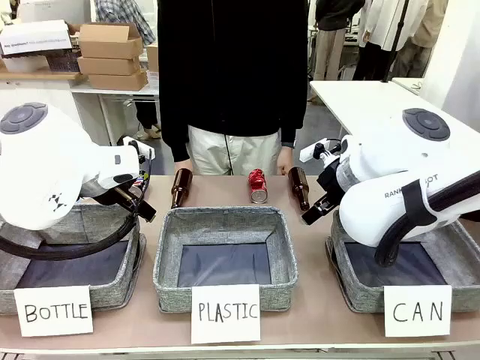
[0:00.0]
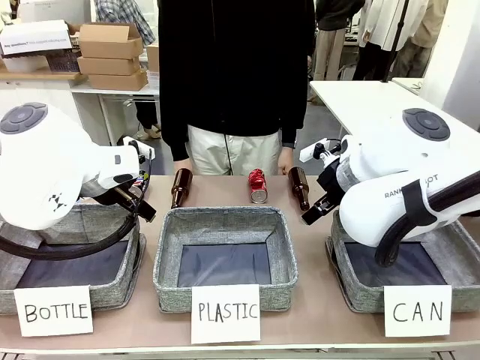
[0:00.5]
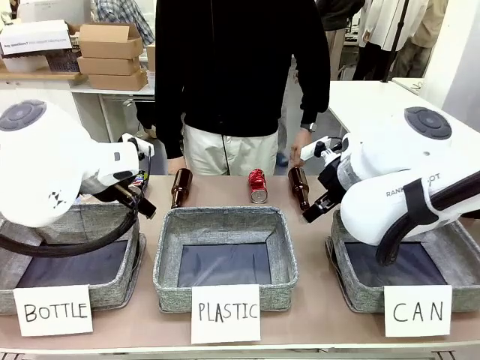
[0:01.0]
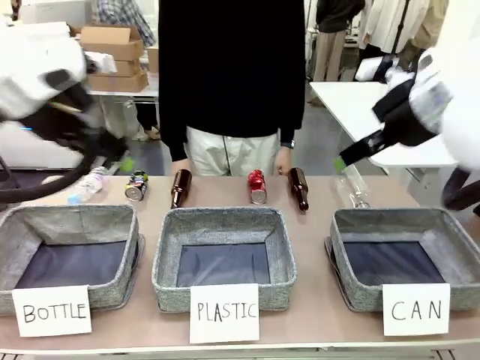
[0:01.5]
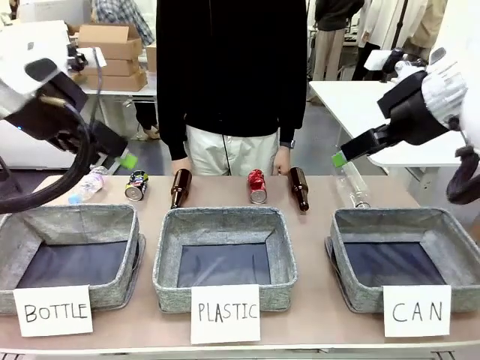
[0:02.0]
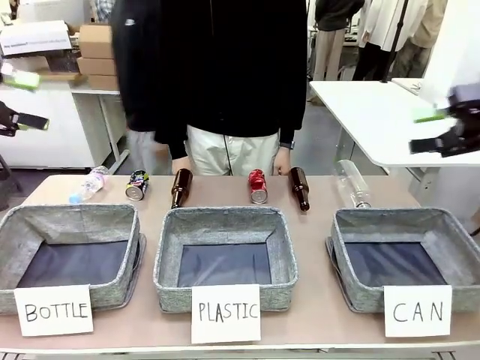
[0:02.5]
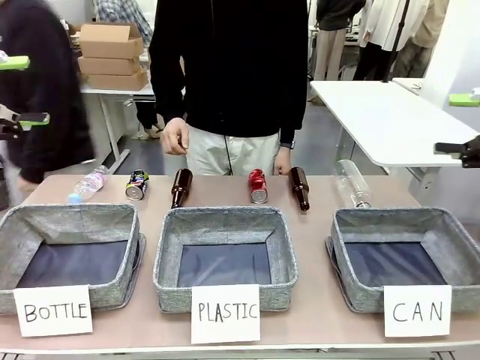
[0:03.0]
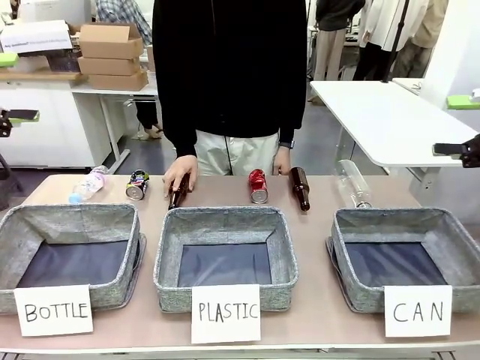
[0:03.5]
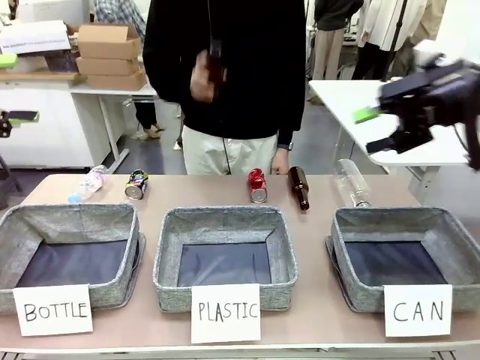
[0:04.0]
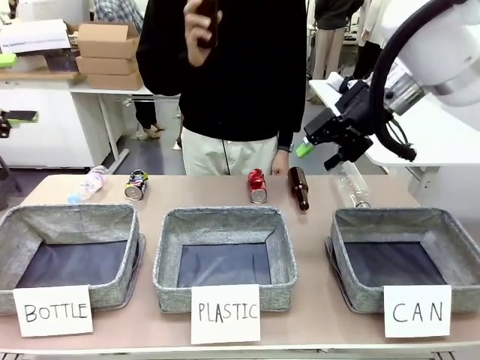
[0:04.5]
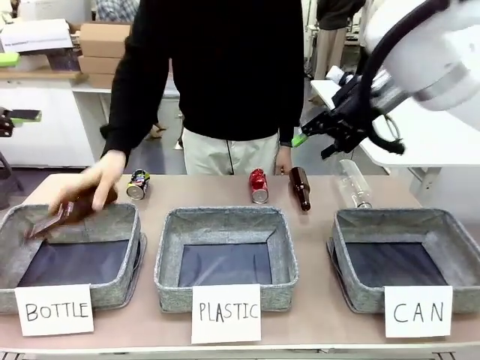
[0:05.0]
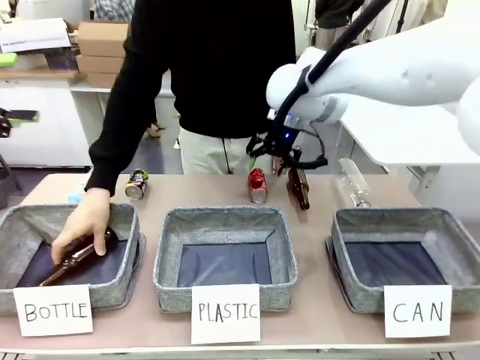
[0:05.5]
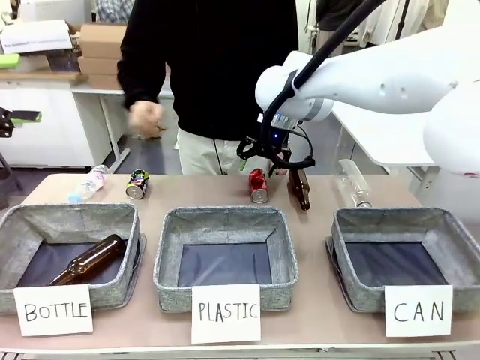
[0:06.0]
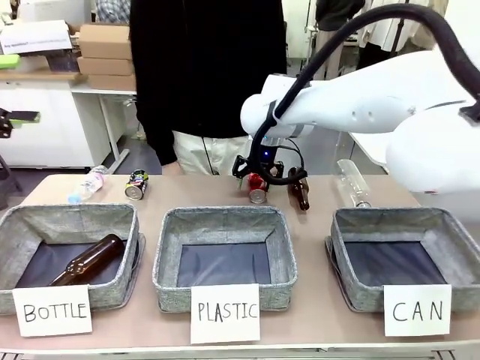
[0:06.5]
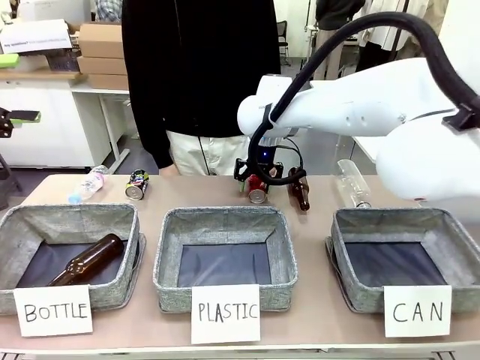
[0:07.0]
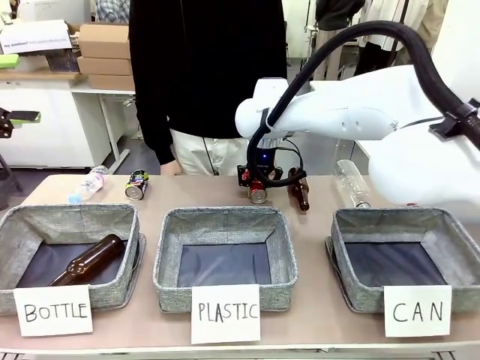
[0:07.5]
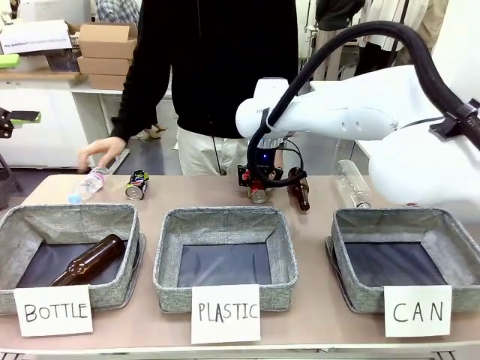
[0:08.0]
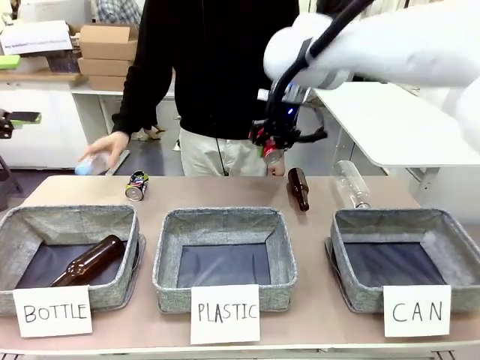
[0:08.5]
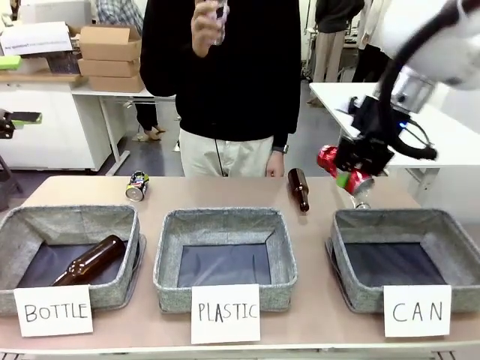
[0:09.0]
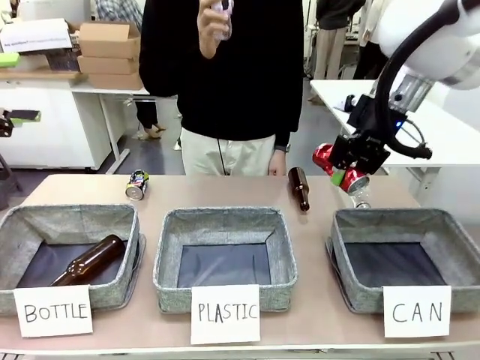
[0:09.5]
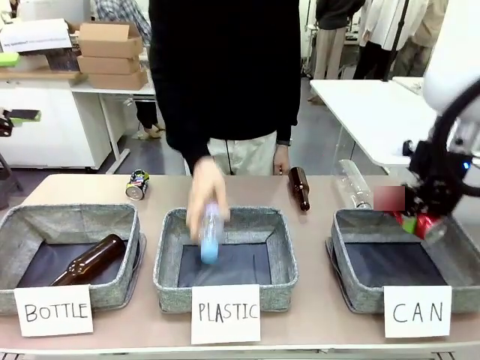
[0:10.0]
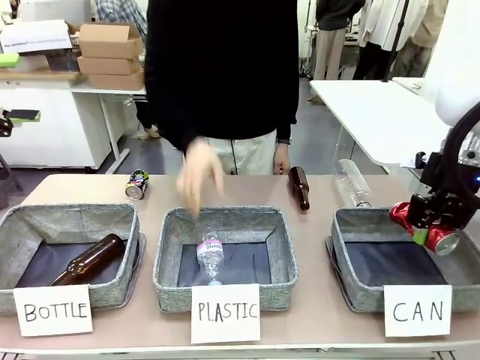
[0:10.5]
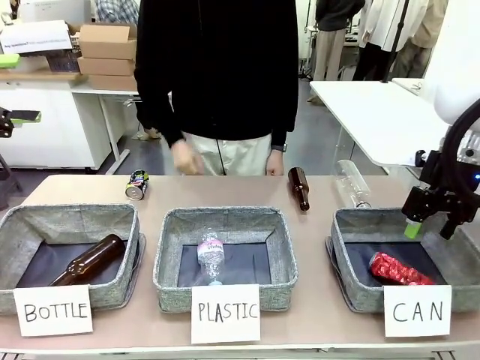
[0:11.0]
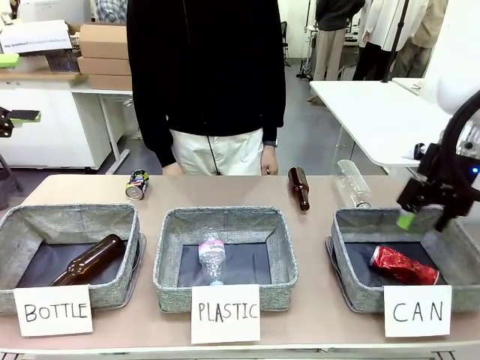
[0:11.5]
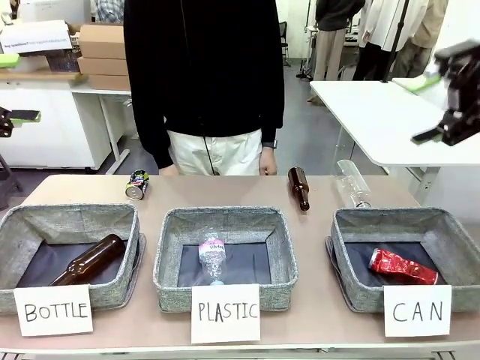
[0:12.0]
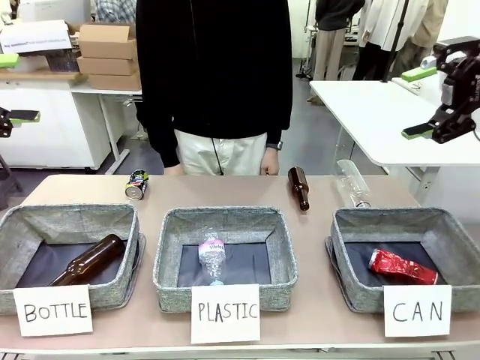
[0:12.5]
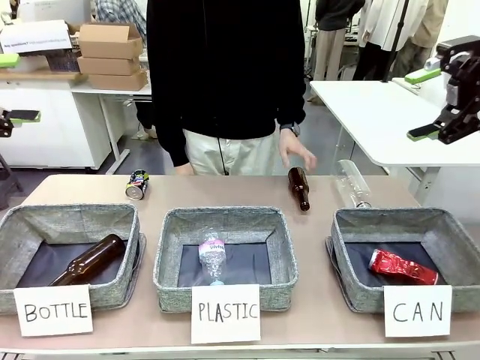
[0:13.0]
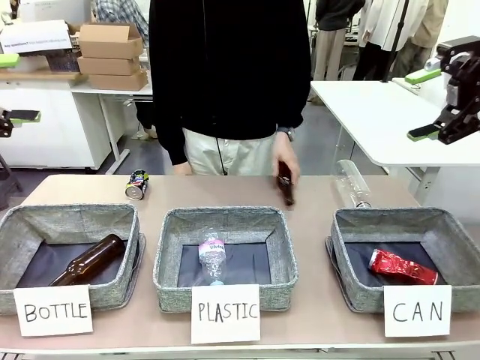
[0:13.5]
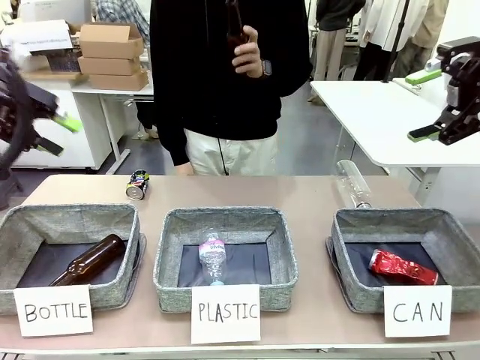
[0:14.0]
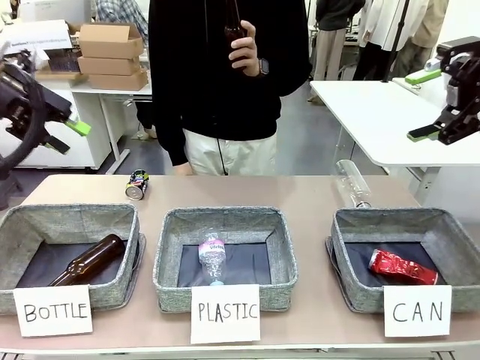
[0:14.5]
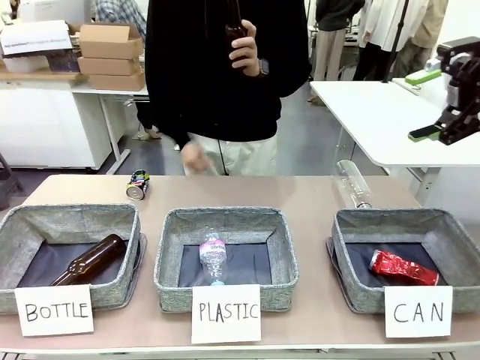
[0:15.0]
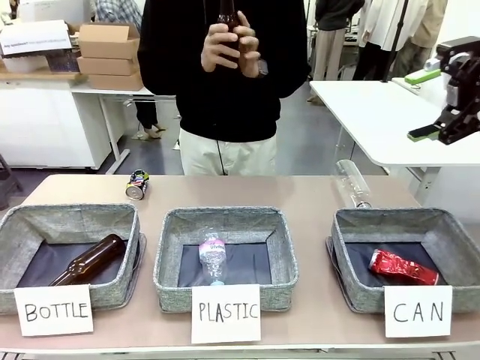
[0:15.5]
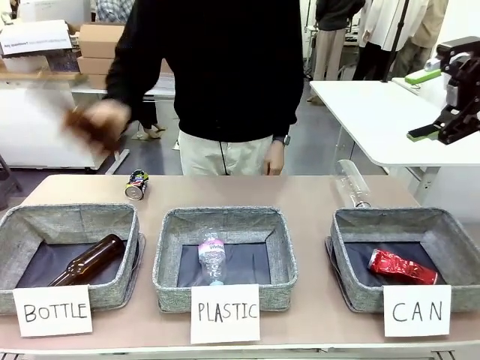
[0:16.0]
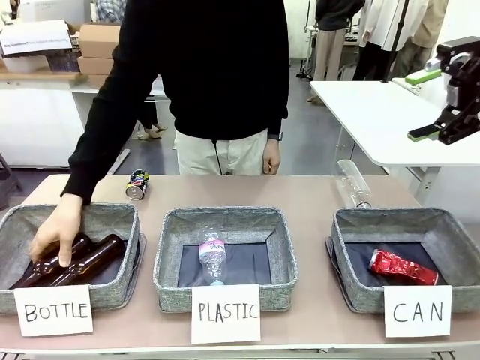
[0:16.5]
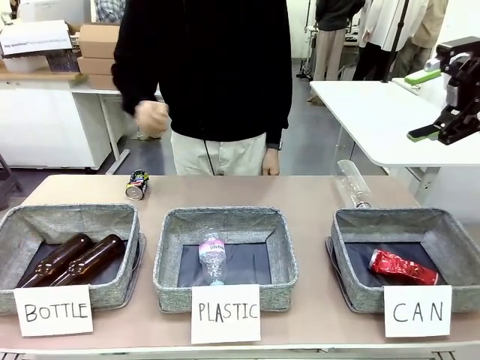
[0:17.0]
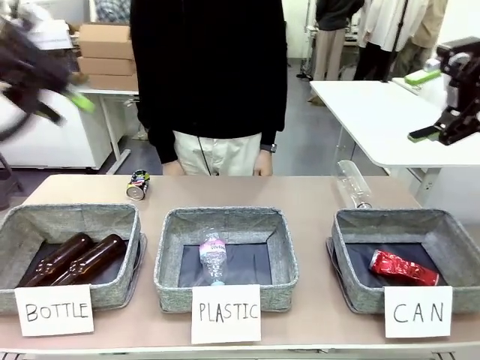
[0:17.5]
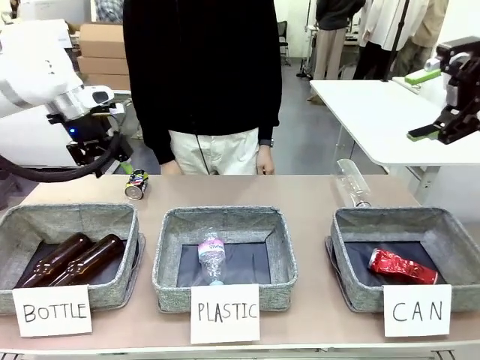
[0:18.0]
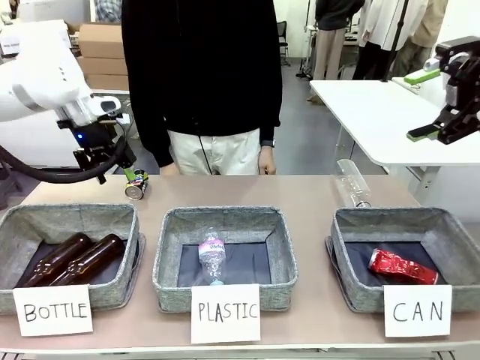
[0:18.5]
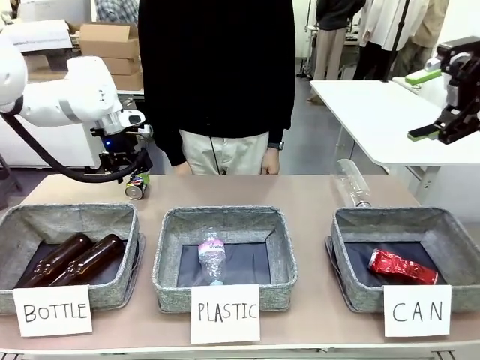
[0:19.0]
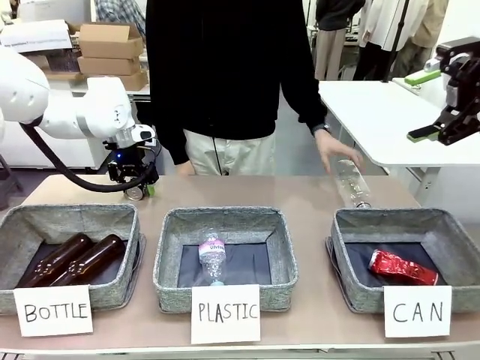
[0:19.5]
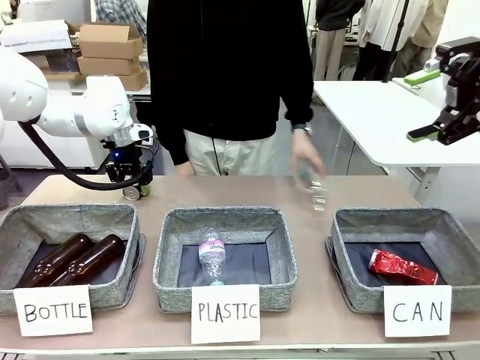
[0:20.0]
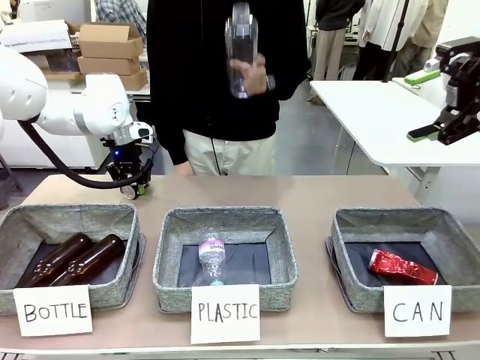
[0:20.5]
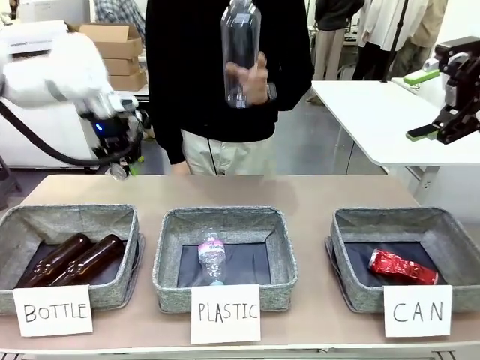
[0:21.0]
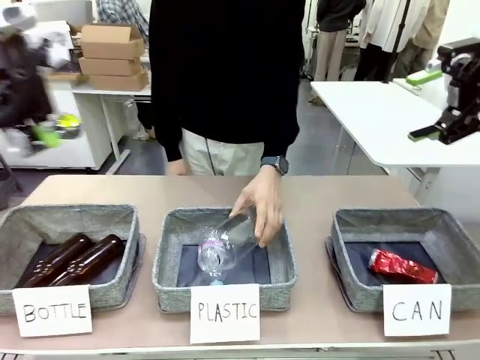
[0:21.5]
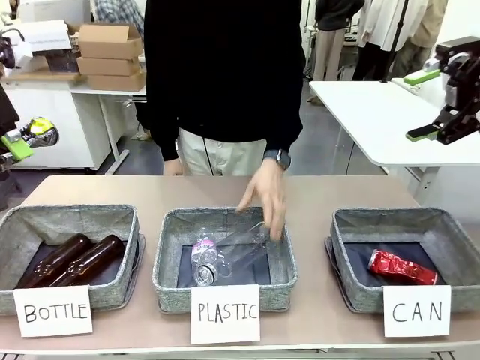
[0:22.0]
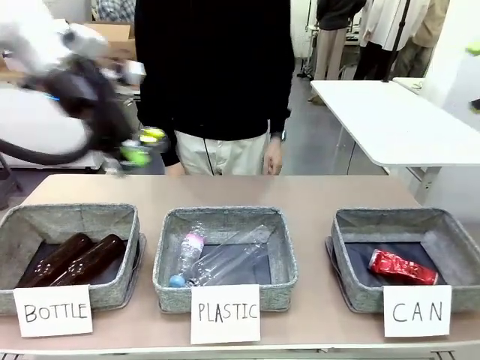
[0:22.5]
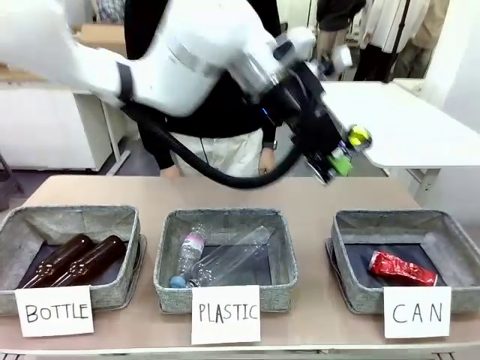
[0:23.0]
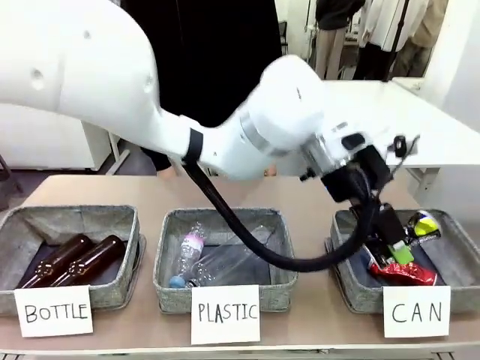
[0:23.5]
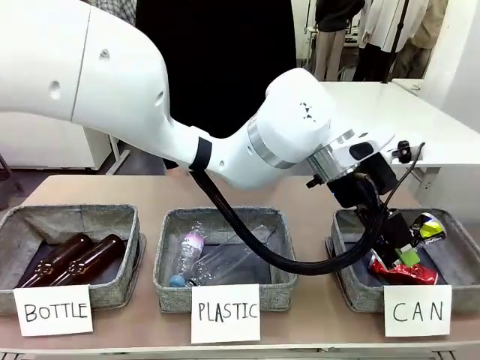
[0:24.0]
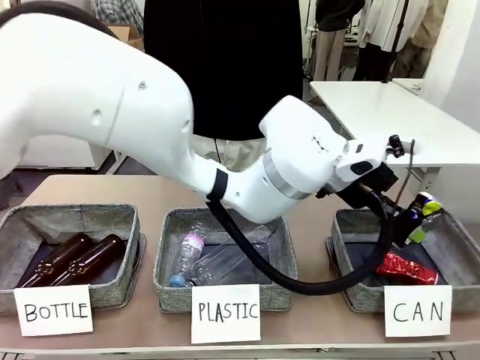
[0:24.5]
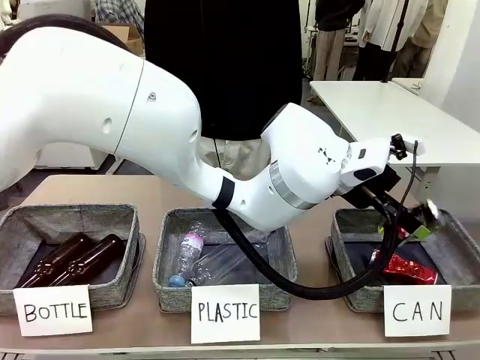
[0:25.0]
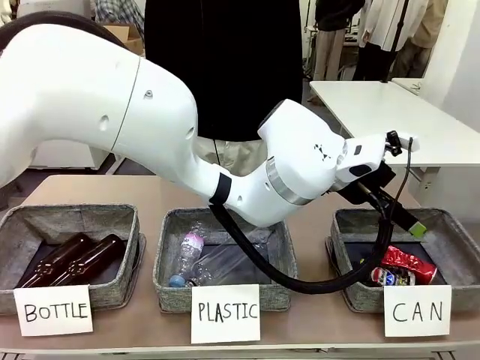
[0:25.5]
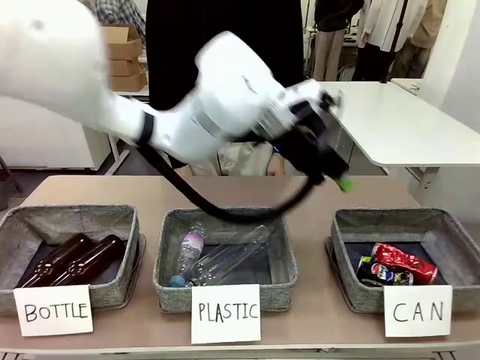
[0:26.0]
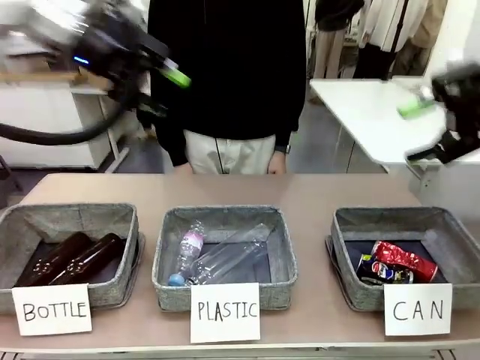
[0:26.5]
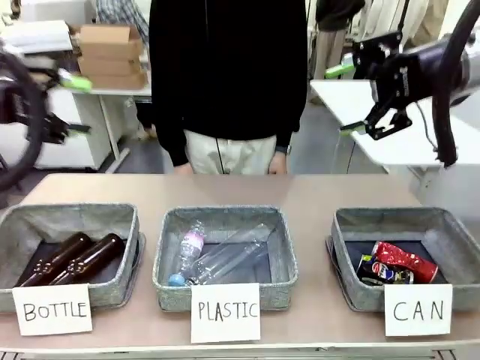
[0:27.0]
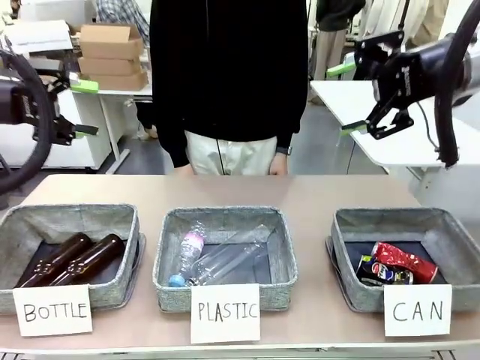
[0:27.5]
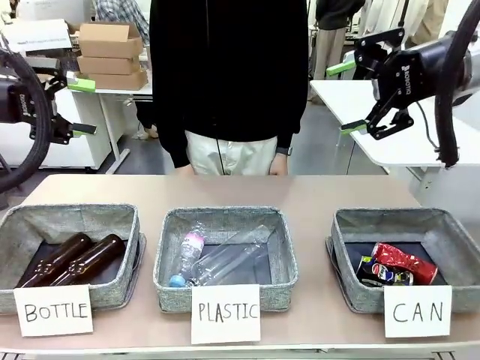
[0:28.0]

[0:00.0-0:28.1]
Task: Sort the can waste into the basket.
Robot: Pick up the can waste from the table and place it in the right Fabric basket.
Person: The human picks up one piece of trash that is not a can and places the trash into the appropriate organizing basket.
